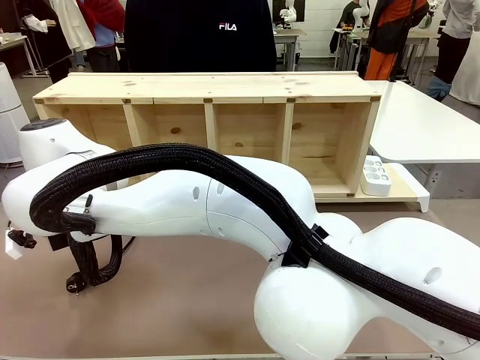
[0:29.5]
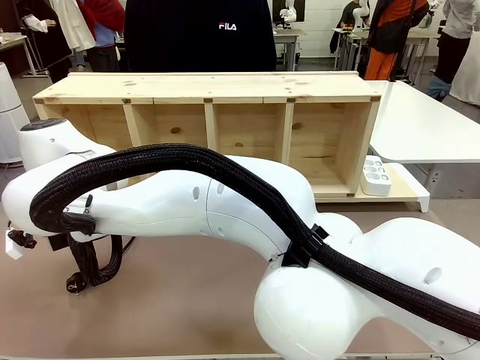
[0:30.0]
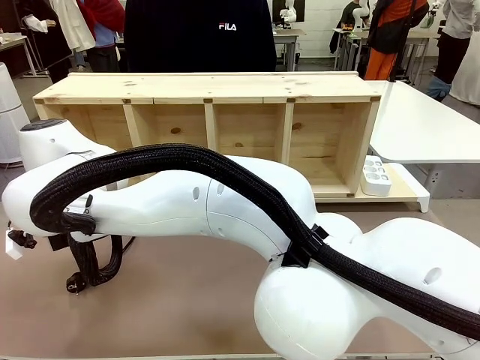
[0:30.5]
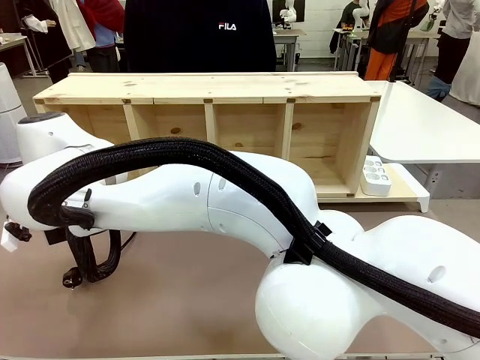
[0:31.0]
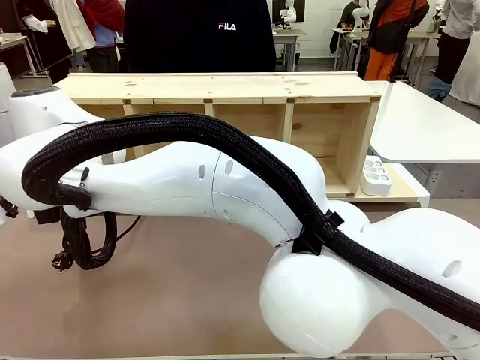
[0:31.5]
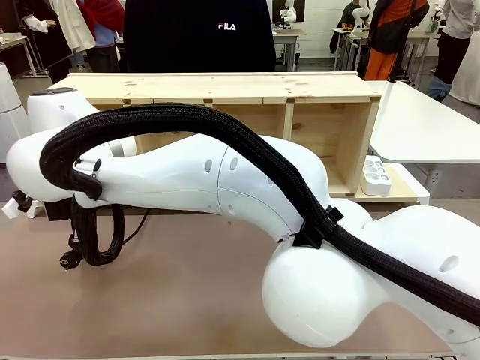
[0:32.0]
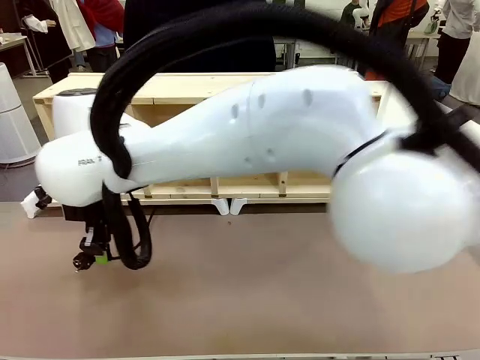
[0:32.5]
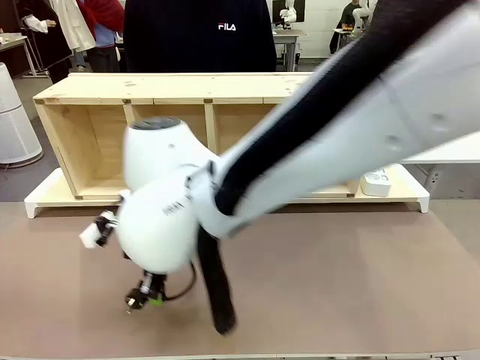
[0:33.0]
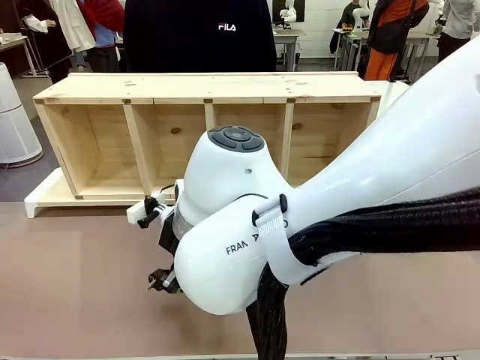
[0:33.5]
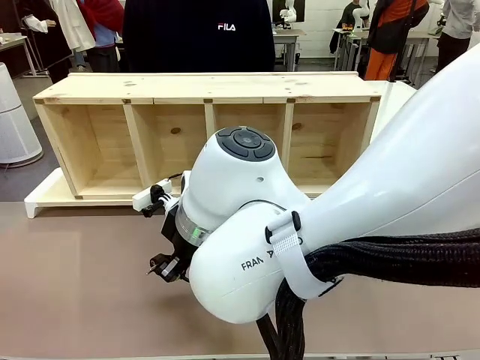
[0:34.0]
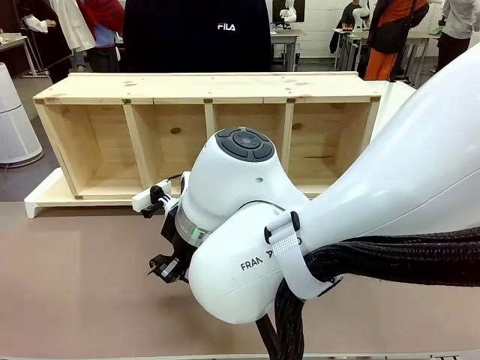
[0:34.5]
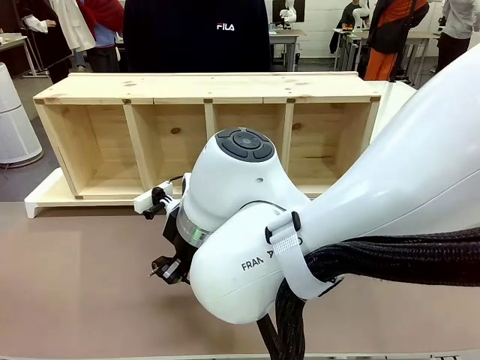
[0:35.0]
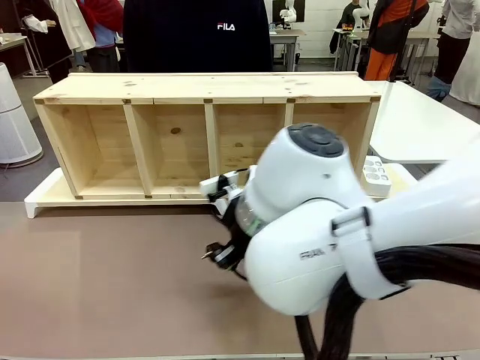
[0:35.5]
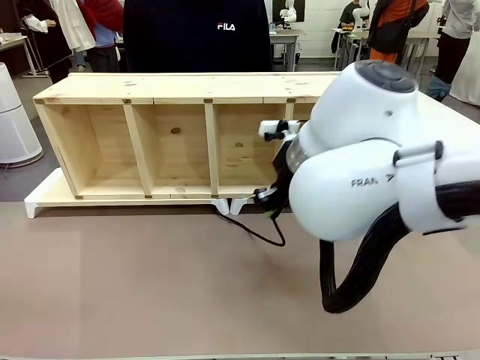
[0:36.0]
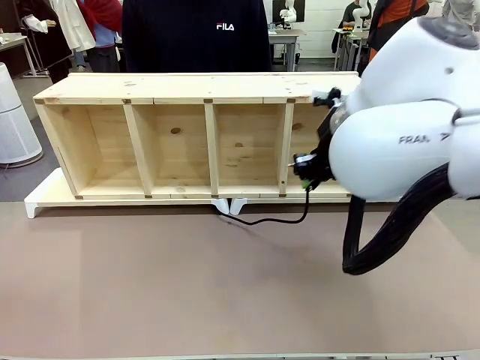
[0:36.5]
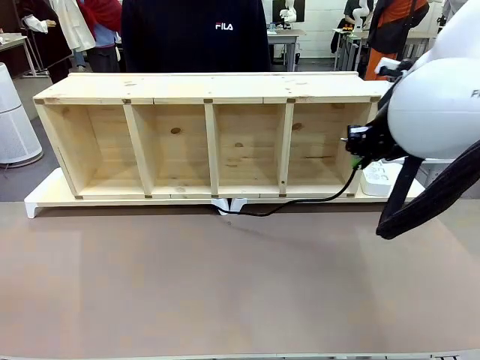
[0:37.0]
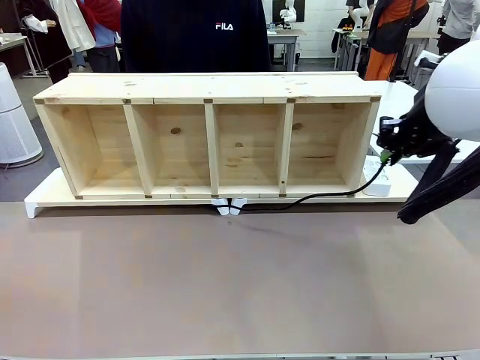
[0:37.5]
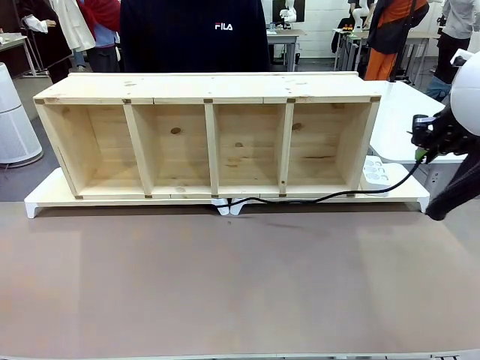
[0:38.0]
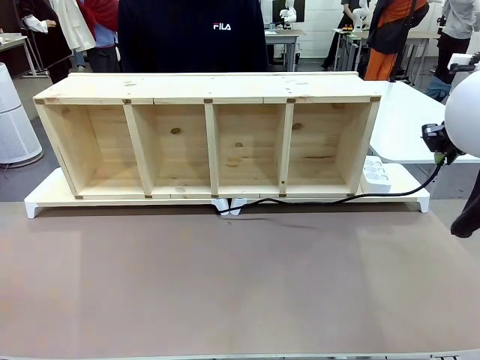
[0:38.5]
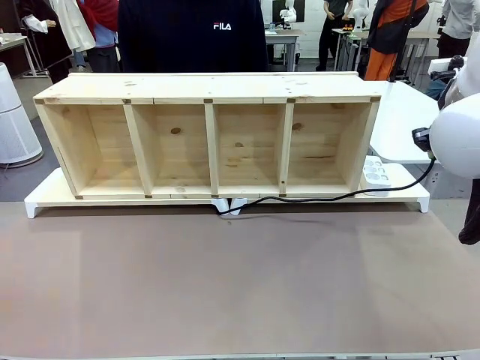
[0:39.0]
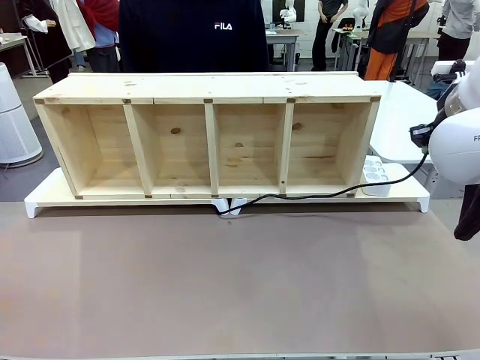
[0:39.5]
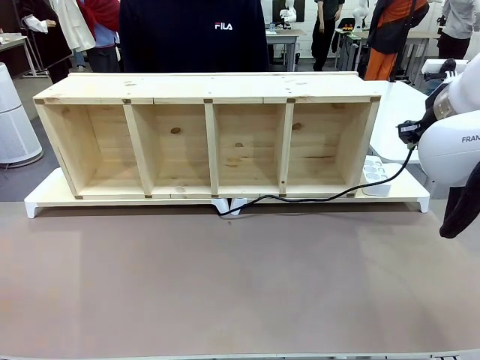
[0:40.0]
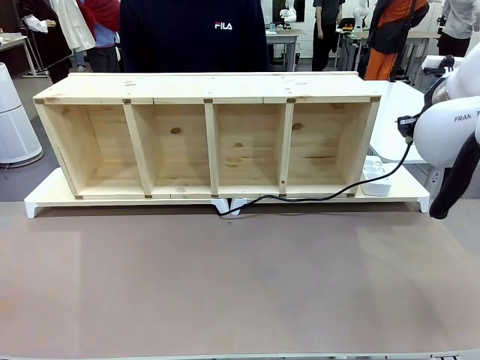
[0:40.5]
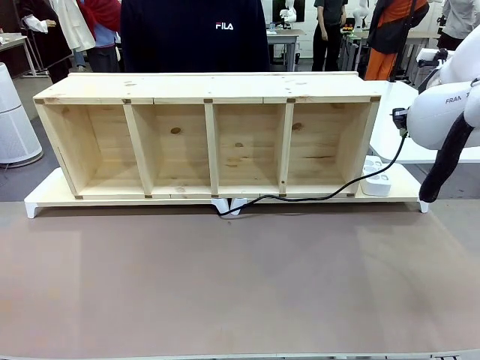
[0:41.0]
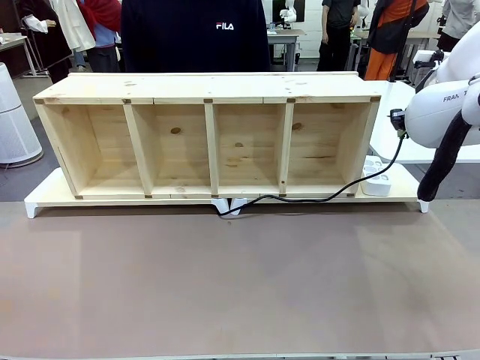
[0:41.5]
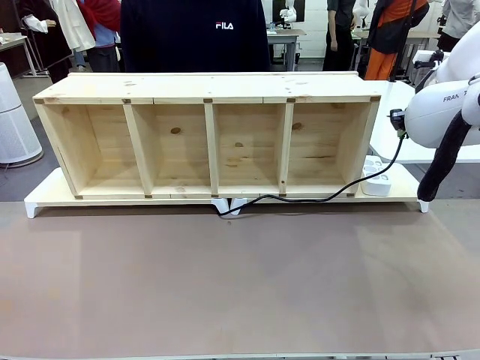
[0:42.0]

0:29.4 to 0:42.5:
Task: Perform cable management.
Robot: Pull the grasped Power Cable to the location of the Power Strip.

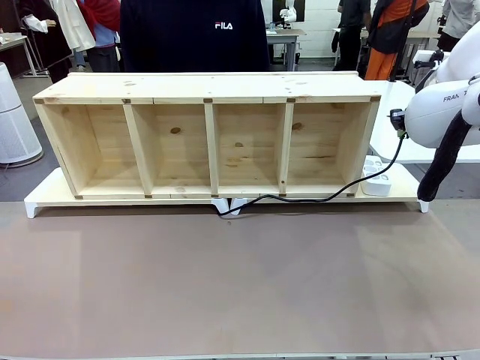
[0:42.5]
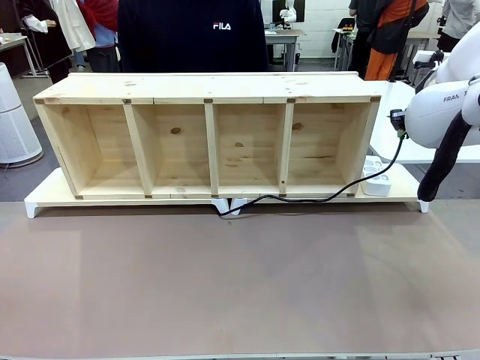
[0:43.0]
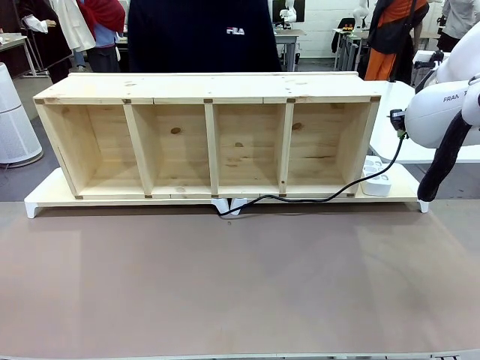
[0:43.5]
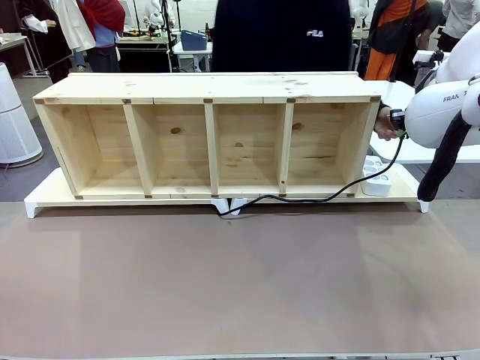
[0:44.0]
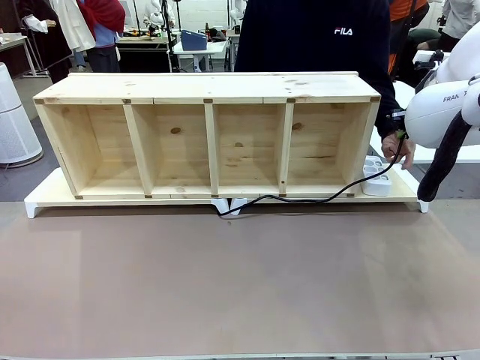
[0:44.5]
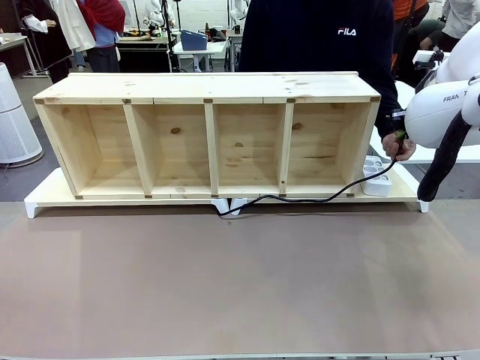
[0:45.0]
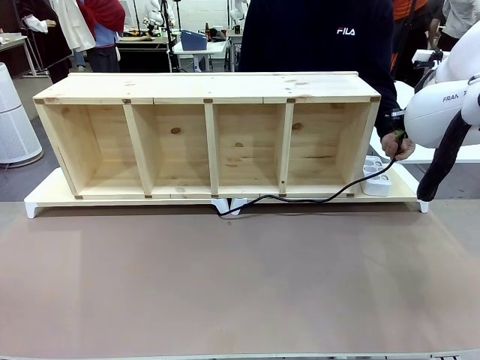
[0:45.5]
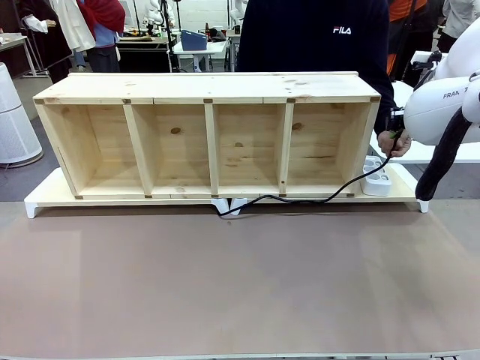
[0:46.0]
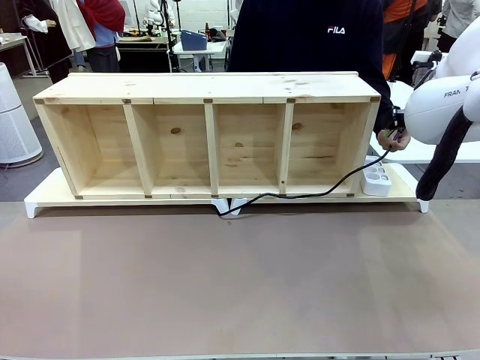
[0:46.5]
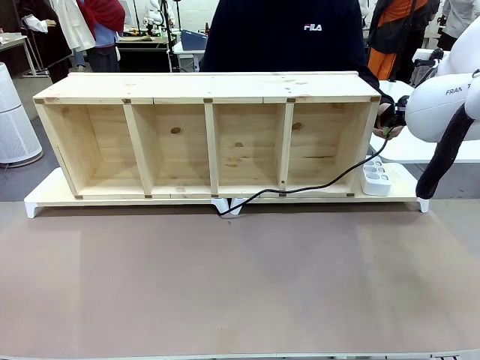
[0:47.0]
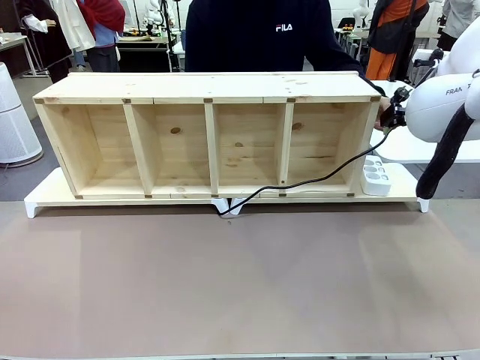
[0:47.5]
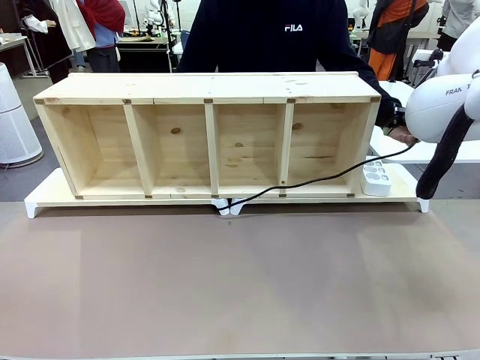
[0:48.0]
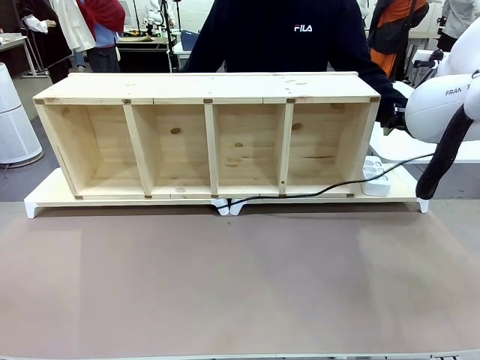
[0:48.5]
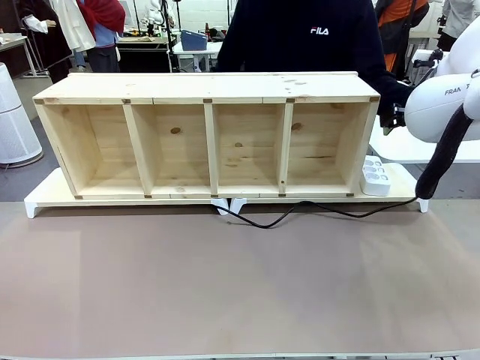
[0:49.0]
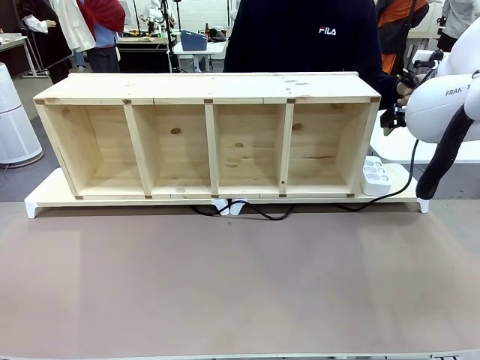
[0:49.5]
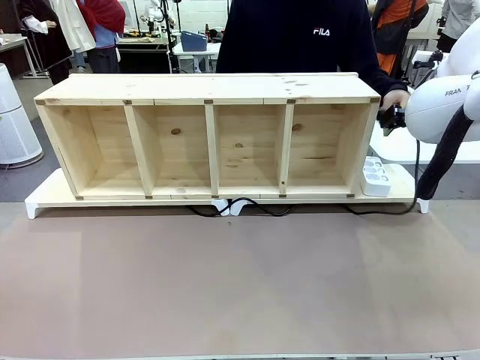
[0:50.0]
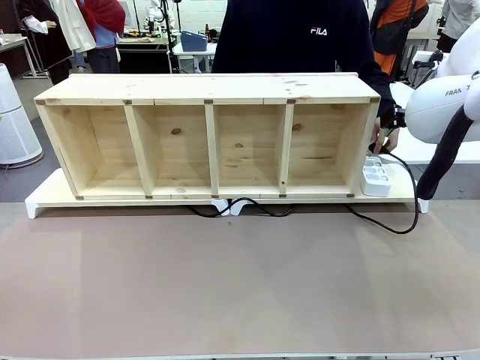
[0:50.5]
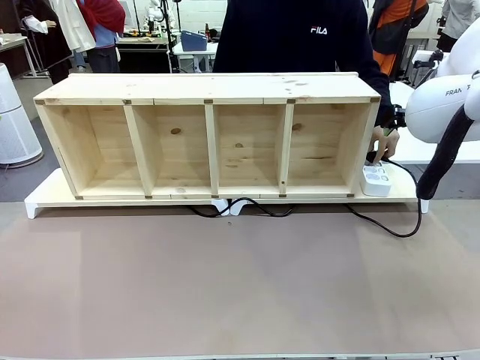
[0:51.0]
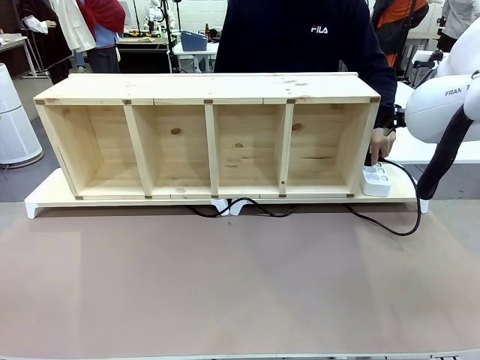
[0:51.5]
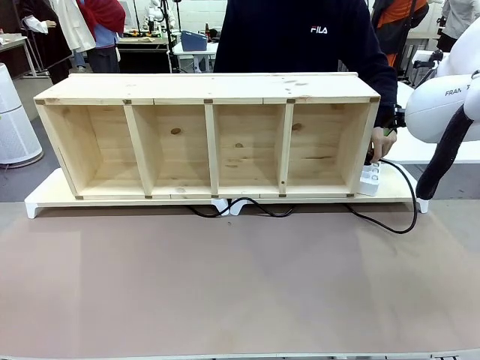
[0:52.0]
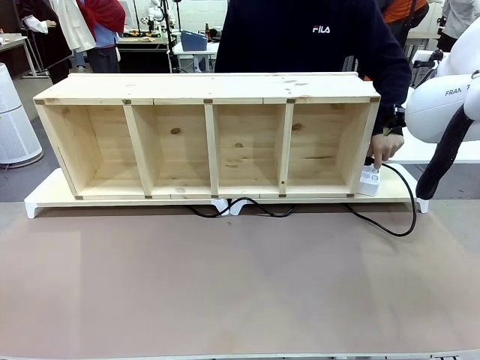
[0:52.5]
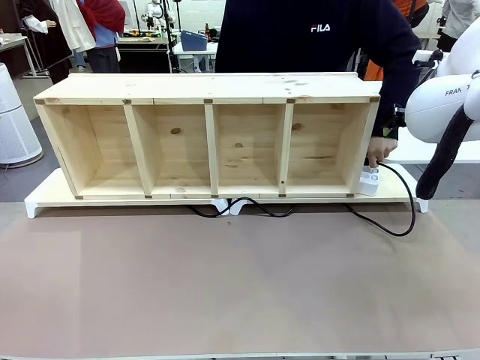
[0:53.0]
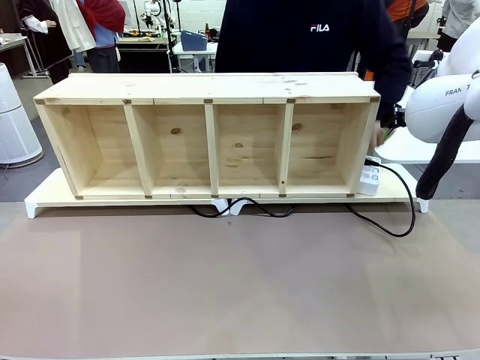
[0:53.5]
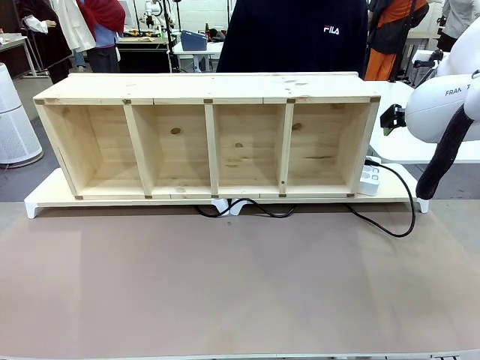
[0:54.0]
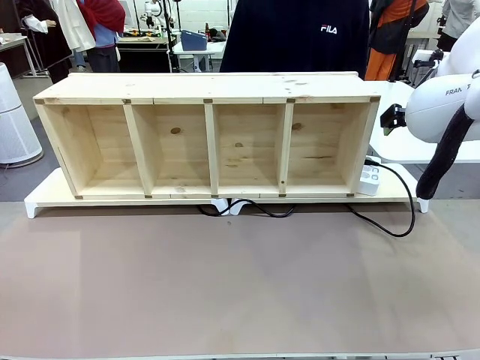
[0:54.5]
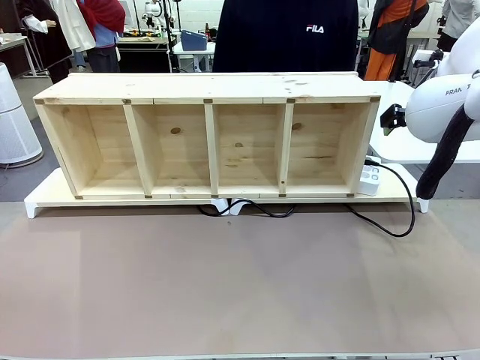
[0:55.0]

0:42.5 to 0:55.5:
Robot: Release the Power Cable when the human grasps it.
Person: Plug the Power Cable into the Power Strip.
